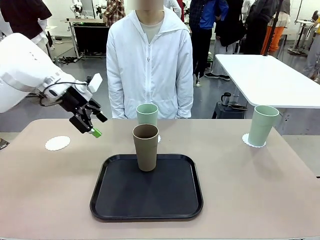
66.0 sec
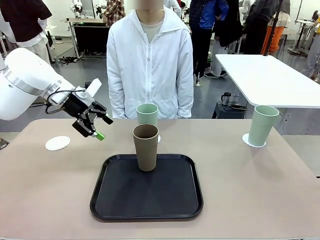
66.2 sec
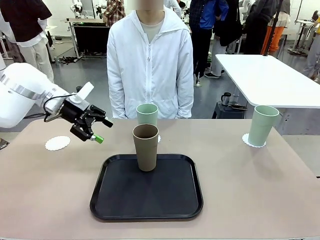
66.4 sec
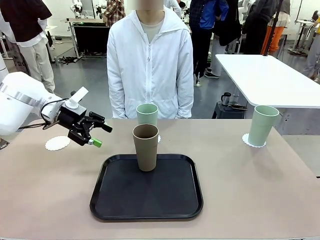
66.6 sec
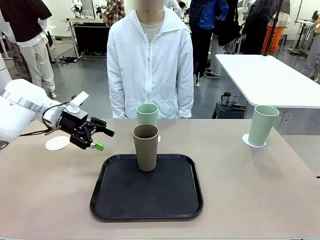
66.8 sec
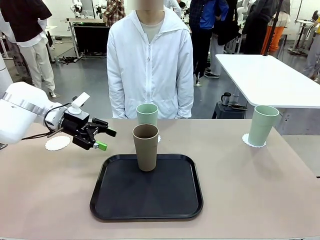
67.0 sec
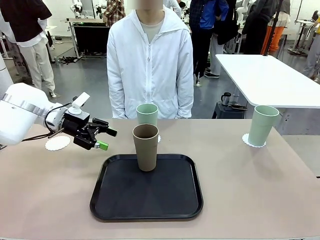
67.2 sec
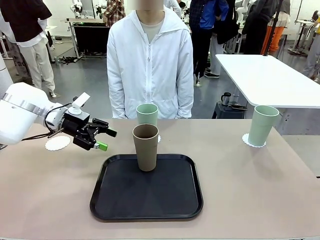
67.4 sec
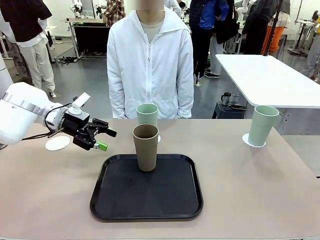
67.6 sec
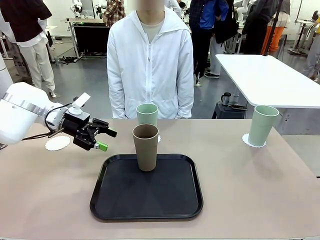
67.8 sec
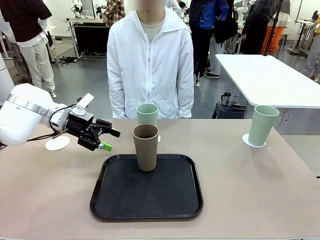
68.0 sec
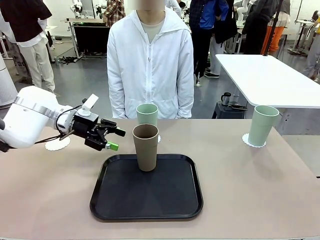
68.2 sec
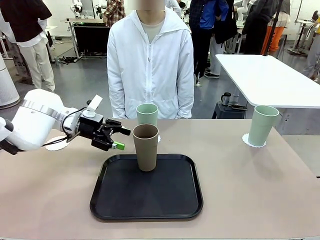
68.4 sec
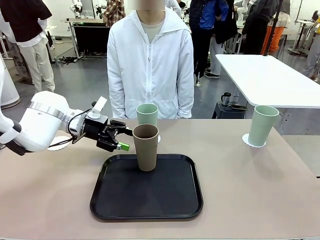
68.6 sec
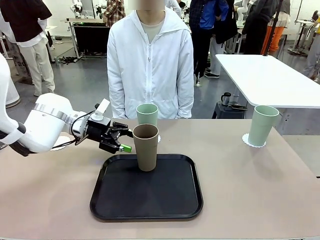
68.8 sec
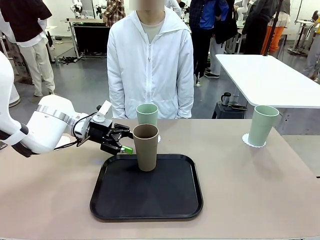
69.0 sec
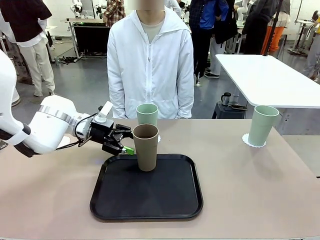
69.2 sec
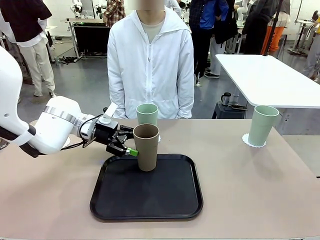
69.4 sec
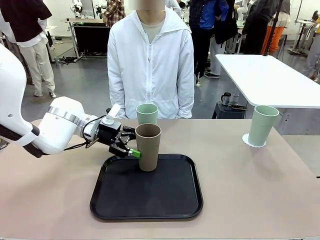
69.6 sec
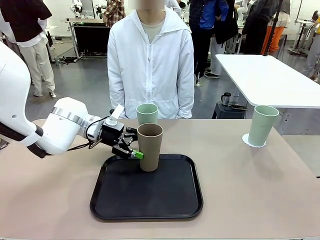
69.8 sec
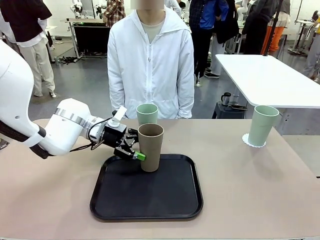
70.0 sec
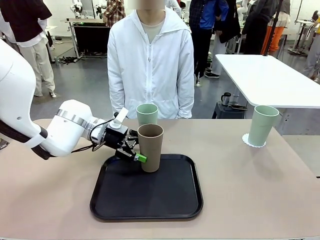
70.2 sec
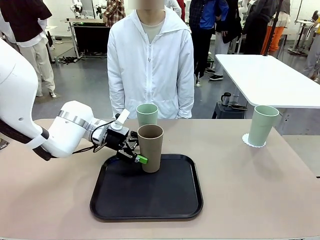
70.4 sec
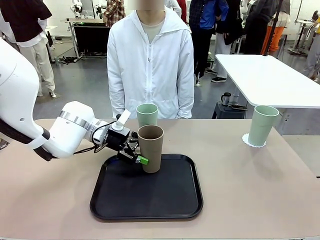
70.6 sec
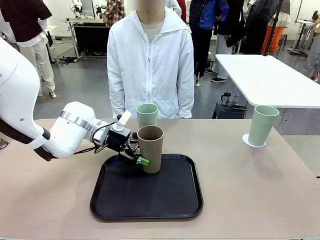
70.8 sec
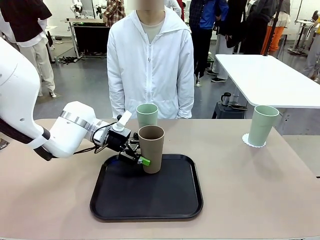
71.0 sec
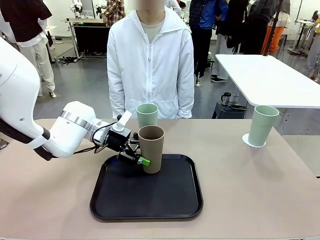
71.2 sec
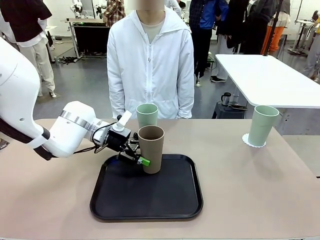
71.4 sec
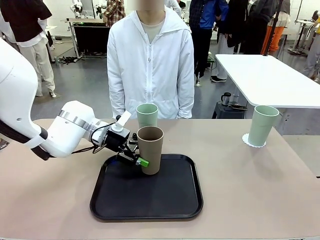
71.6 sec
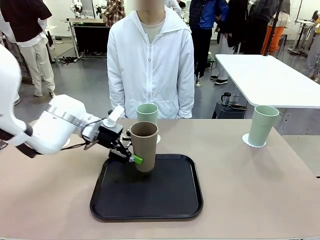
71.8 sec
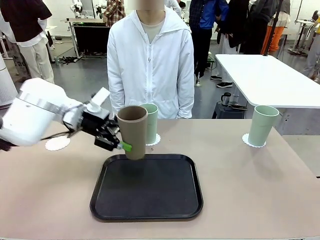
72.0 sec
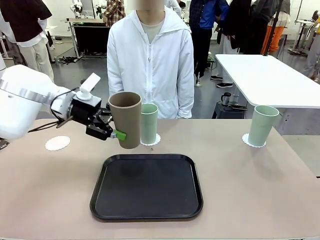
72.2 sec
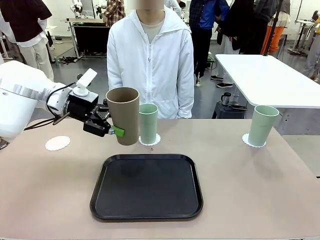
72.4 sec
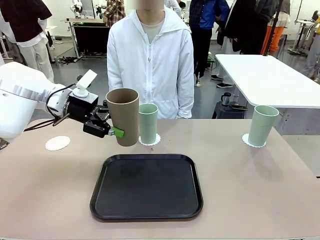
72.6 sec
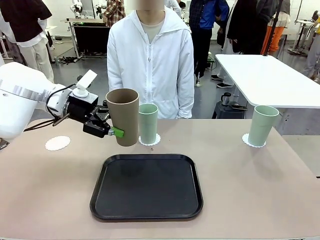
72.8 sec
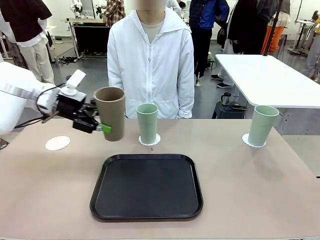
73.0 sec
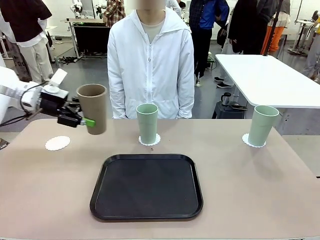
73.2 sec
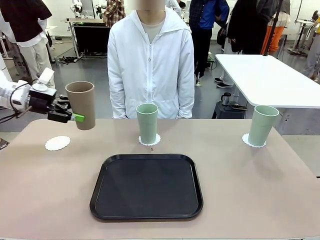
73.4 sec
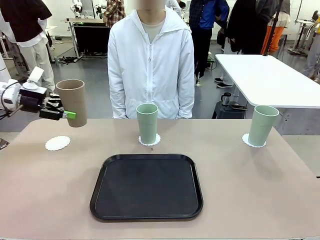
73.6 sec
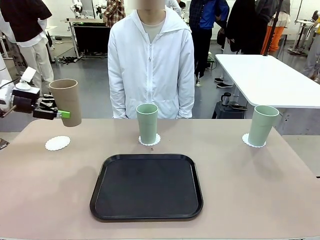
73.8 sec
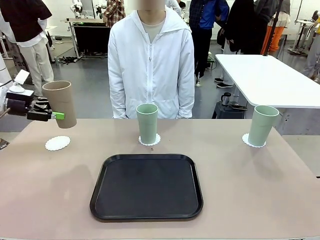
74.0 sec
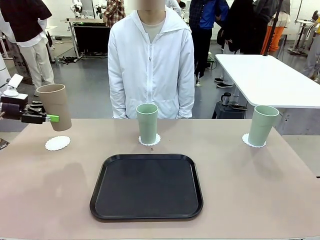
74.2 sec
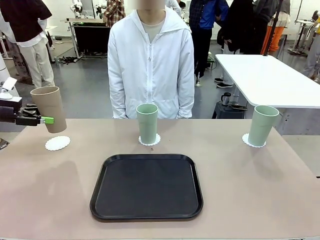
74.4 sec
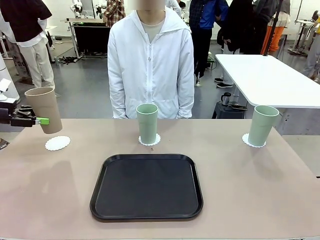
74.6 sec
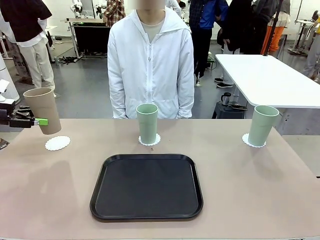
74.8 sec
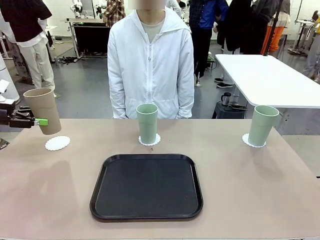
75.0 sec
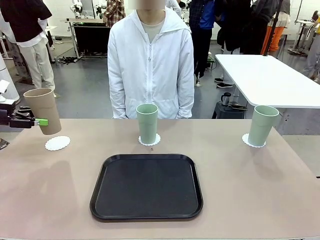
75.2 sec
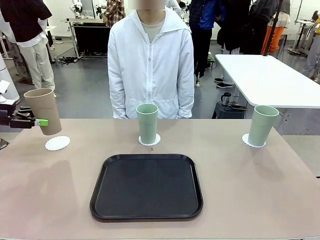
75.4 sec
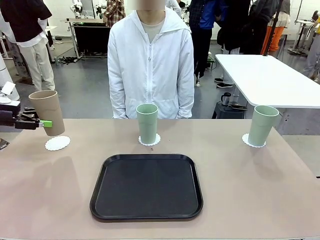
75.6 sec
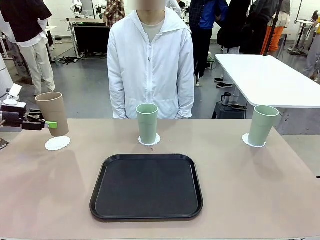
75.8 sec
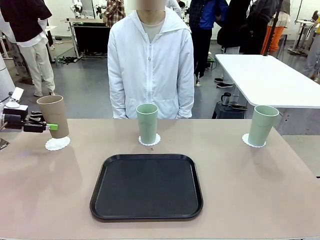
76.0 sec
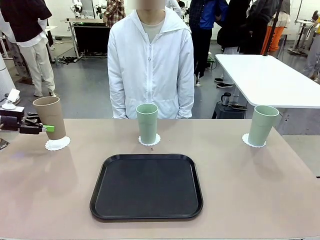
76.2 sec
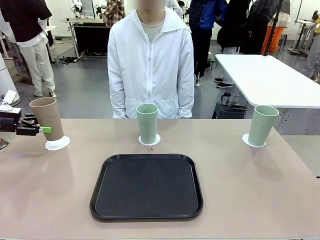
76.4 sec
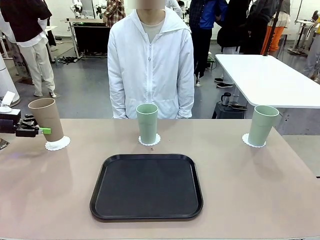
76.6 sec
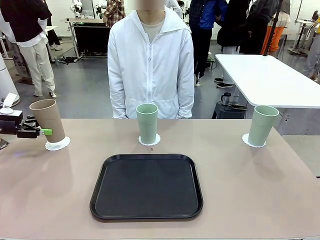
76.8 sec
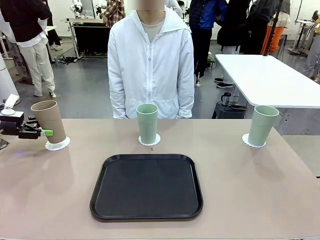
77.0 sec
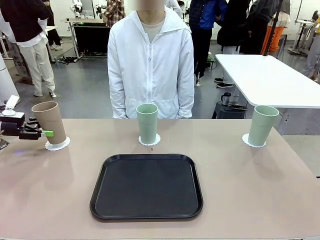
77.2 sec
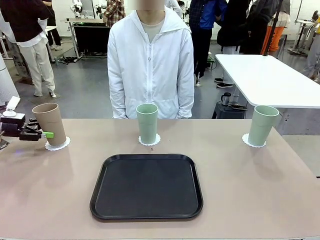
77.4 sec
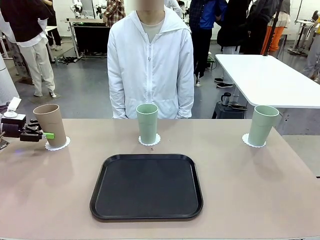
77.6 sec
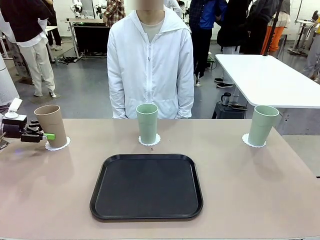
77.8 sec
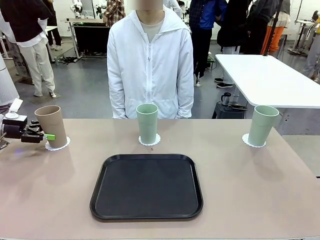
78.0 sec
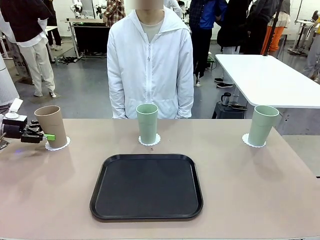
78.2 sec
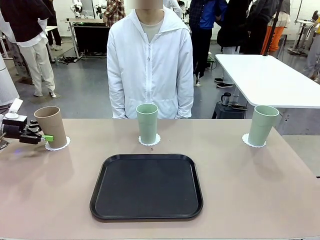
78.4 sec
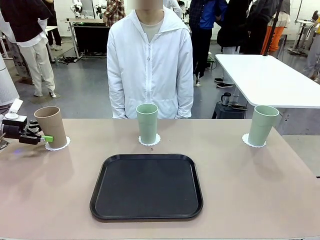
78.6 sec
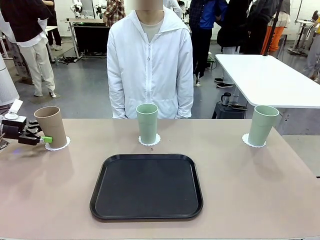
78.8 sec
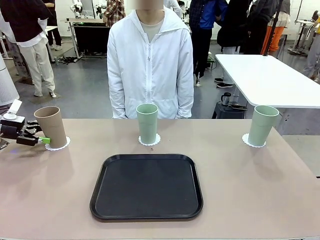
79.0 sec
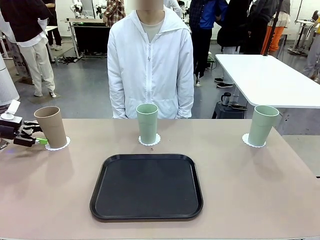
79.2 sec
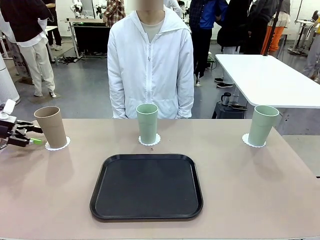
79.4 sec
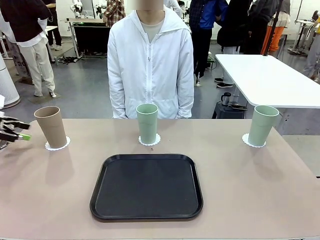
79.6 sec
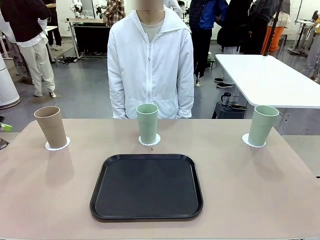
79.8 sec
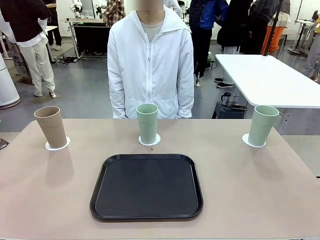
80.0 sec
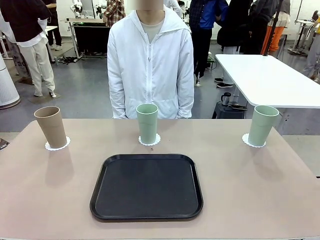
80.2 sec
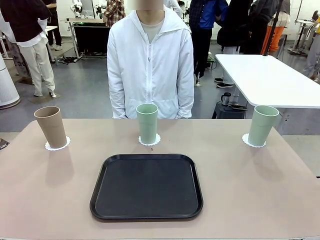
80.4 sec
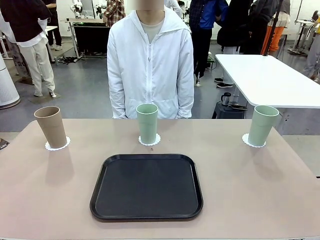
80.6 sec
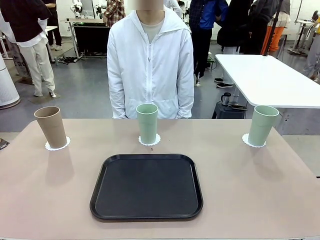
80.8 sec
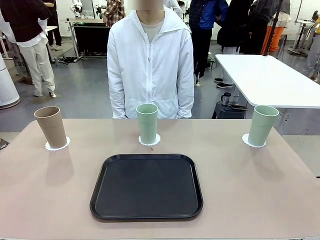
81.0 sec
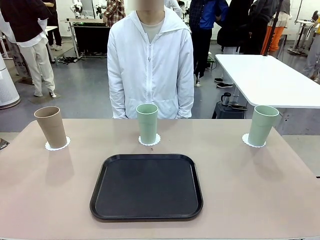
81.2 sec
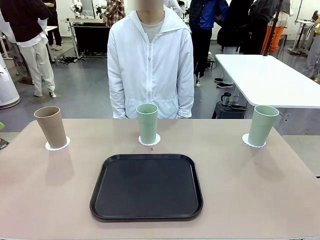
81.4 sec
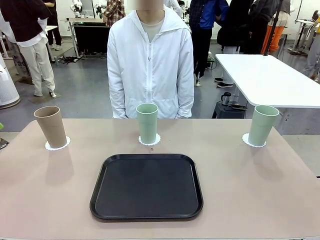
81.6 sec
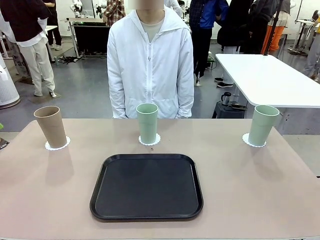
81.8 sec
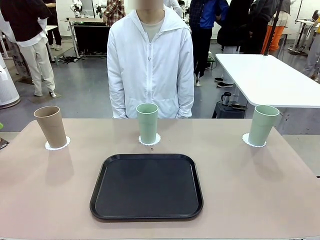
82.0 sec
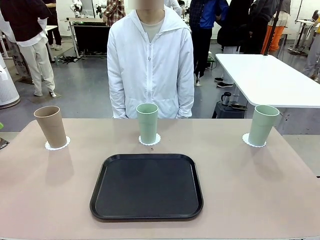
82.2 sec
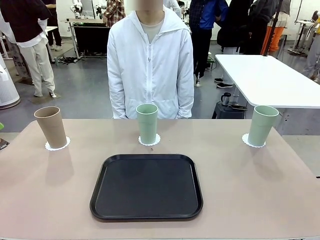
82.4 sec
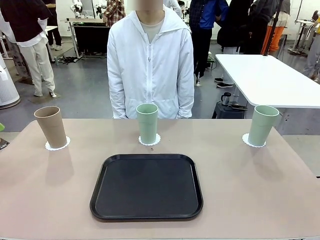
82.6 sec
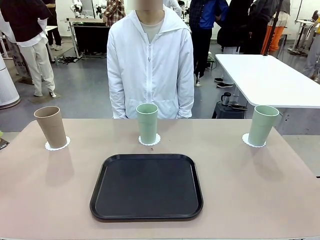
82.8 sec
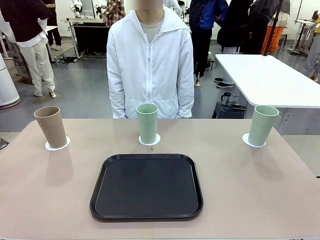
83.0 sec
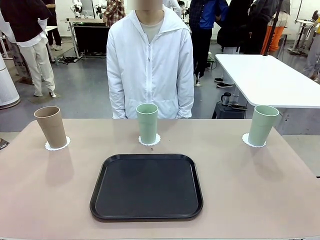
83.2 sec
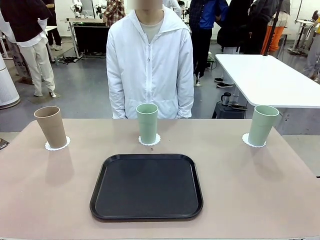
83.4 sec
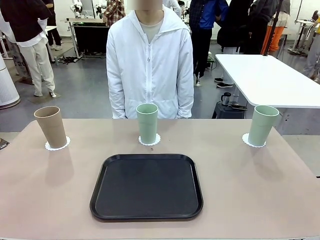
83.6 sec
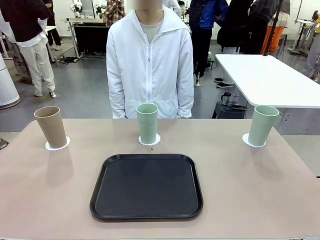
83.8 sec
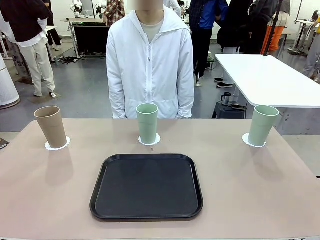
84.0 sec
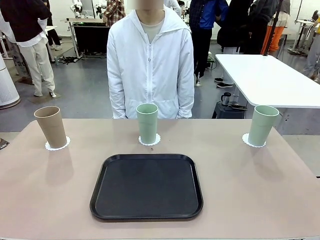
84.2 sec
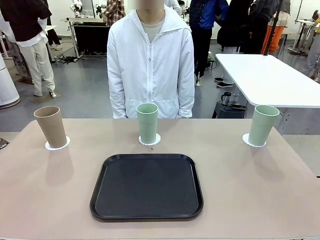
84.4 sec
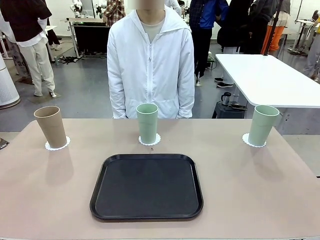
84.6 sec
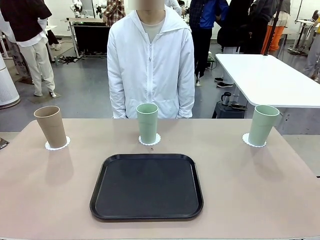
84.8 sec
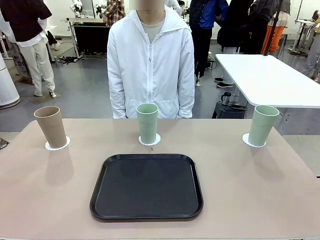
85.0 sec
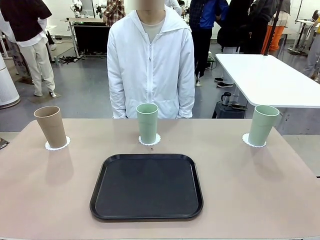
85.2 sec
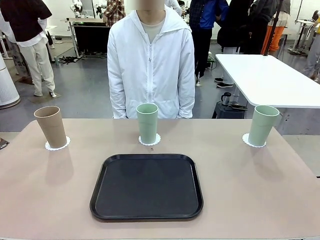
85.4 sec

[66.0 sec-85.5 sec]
Task: Place coasters on the table and set cups on them.
Robot: Take one Reusable plastic cup from the Flat Tray and place it on a coaster set by the human.
